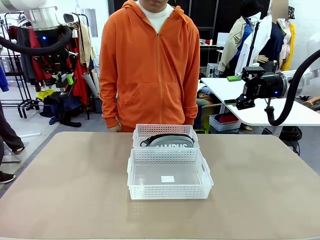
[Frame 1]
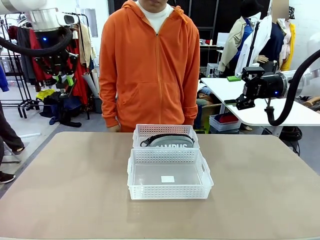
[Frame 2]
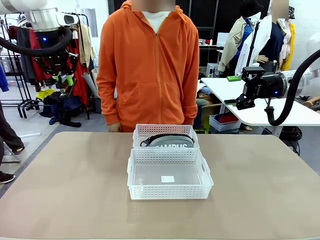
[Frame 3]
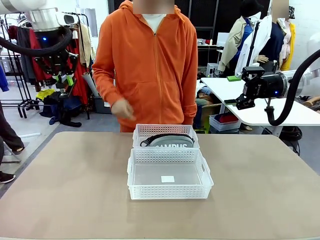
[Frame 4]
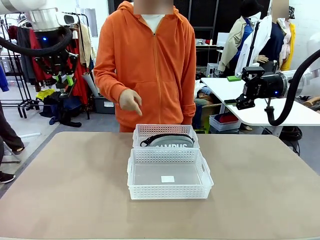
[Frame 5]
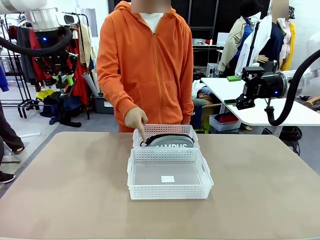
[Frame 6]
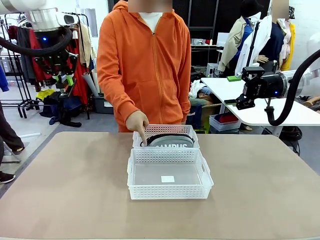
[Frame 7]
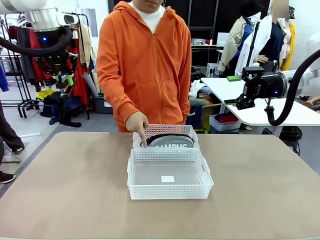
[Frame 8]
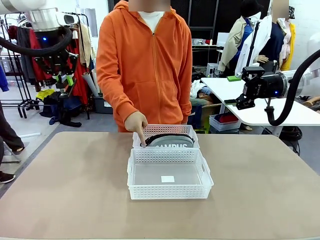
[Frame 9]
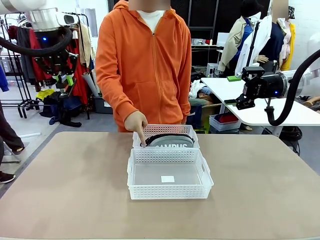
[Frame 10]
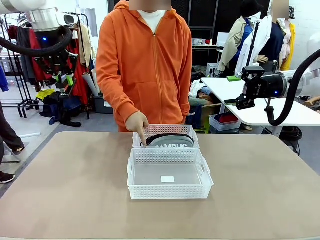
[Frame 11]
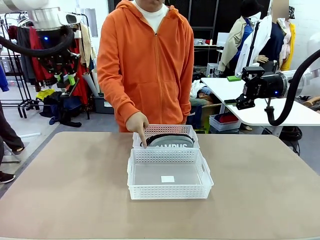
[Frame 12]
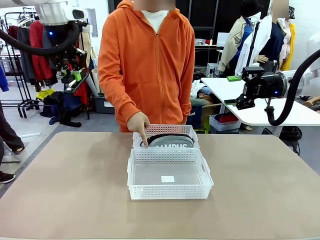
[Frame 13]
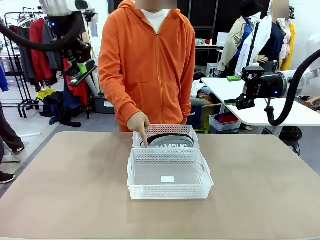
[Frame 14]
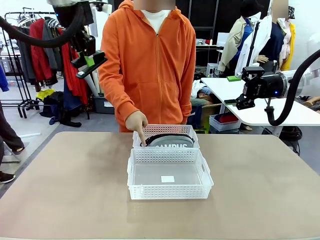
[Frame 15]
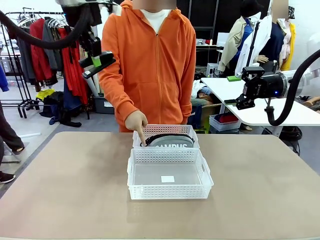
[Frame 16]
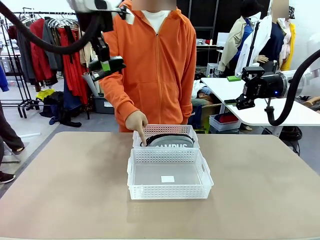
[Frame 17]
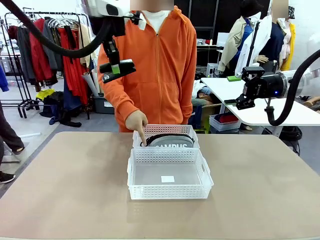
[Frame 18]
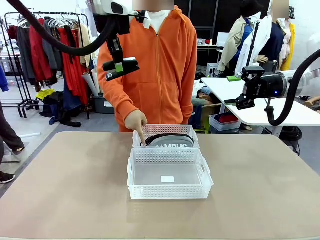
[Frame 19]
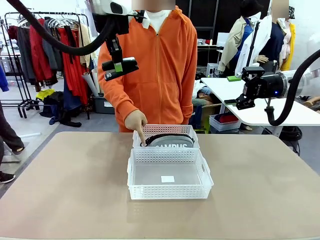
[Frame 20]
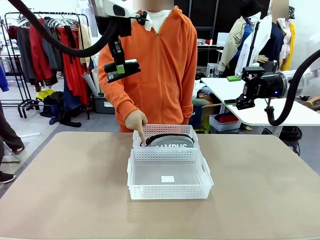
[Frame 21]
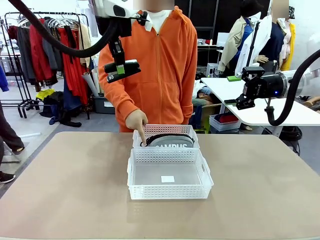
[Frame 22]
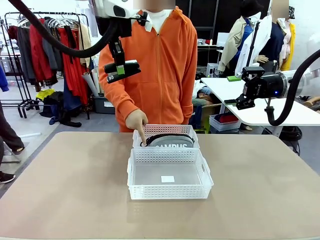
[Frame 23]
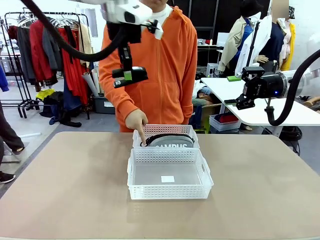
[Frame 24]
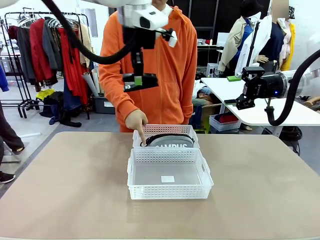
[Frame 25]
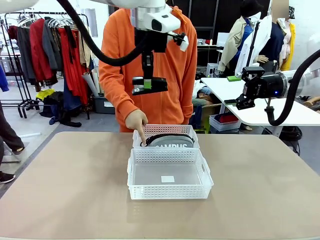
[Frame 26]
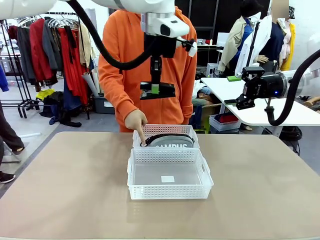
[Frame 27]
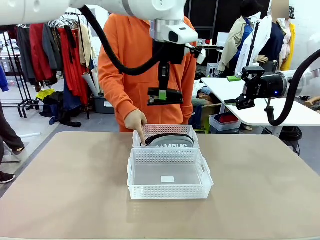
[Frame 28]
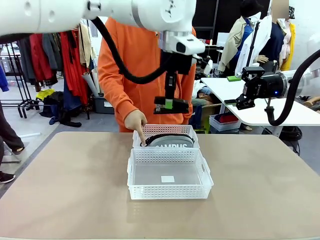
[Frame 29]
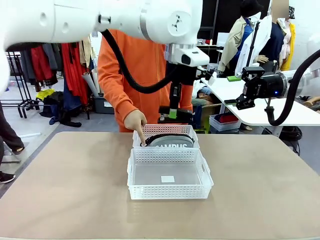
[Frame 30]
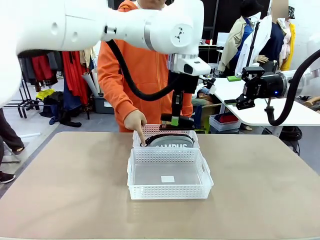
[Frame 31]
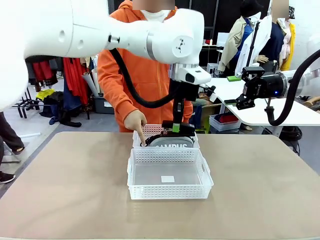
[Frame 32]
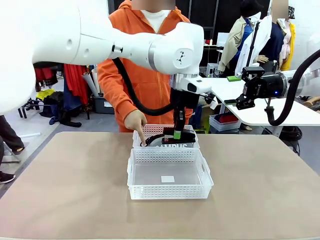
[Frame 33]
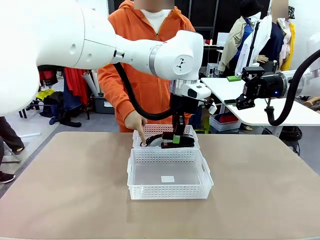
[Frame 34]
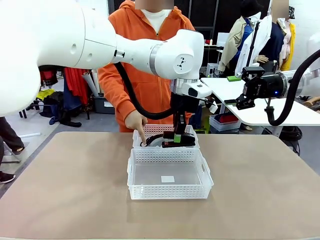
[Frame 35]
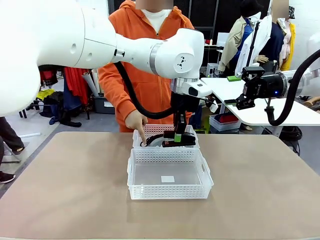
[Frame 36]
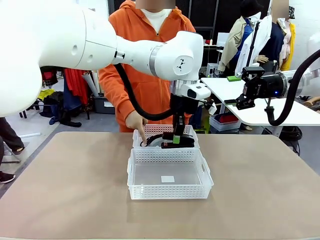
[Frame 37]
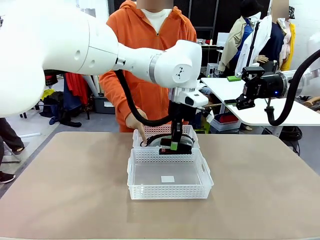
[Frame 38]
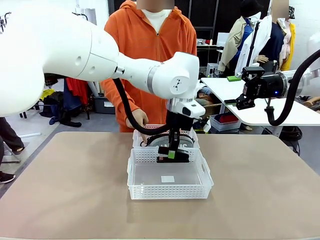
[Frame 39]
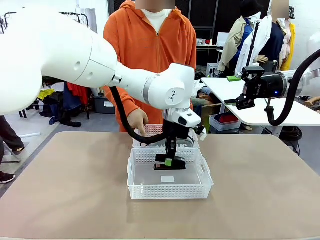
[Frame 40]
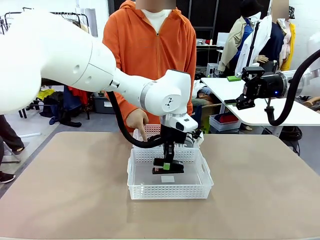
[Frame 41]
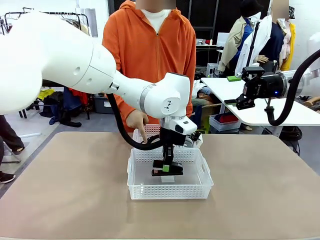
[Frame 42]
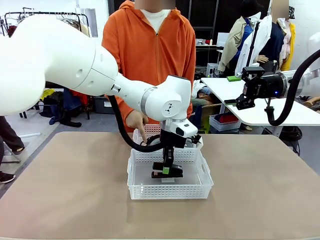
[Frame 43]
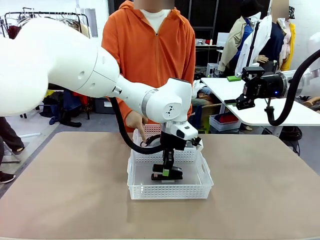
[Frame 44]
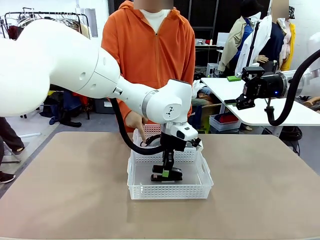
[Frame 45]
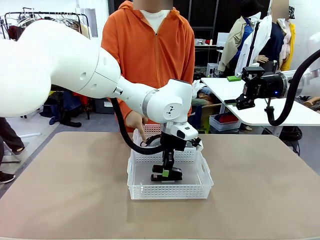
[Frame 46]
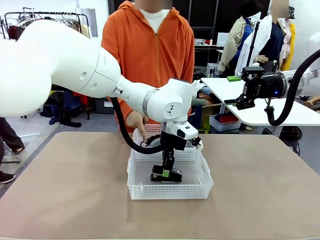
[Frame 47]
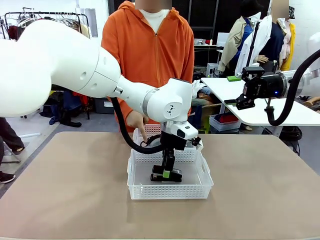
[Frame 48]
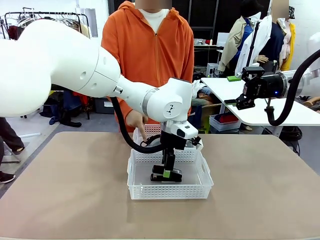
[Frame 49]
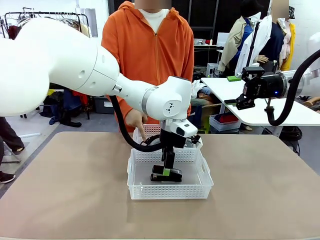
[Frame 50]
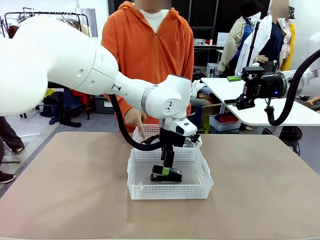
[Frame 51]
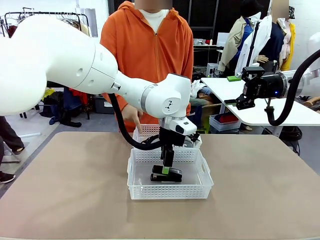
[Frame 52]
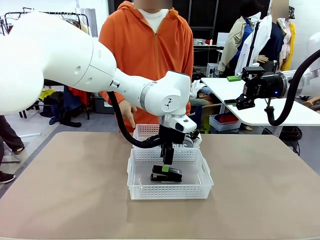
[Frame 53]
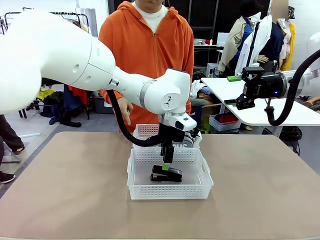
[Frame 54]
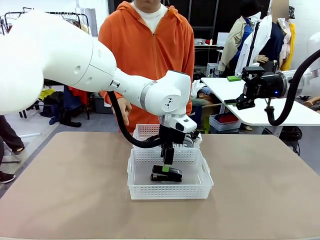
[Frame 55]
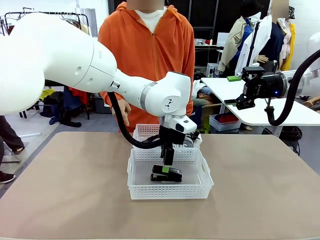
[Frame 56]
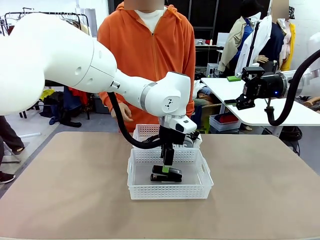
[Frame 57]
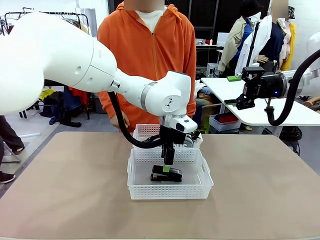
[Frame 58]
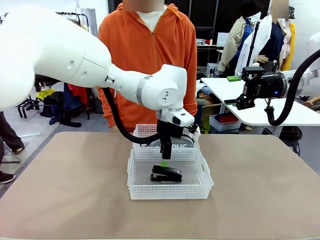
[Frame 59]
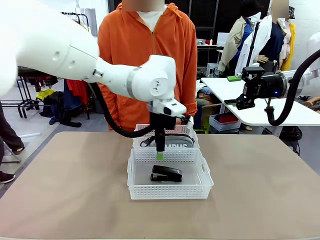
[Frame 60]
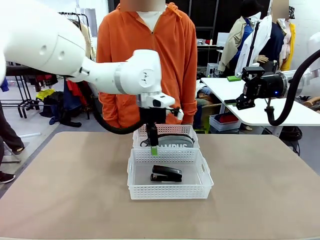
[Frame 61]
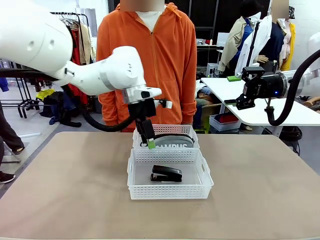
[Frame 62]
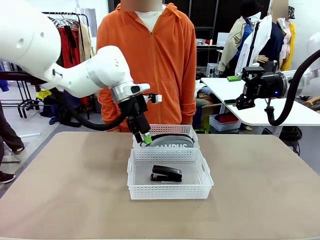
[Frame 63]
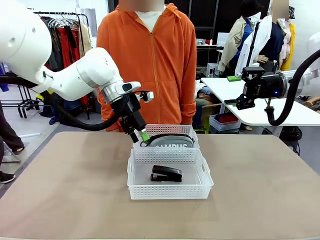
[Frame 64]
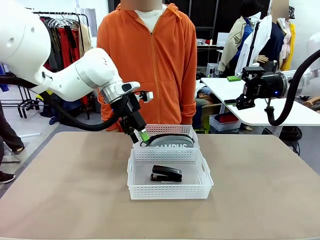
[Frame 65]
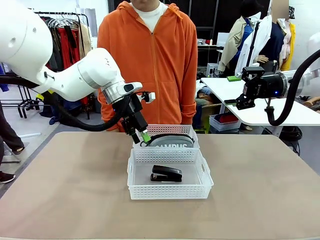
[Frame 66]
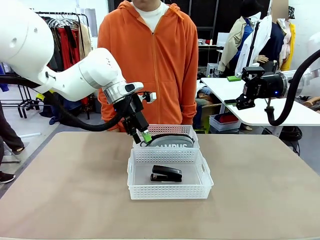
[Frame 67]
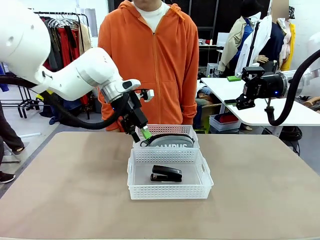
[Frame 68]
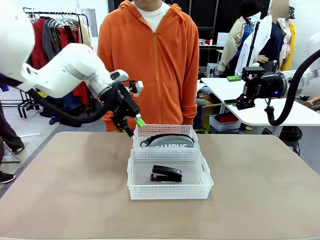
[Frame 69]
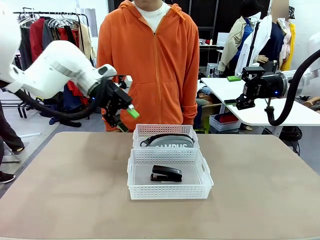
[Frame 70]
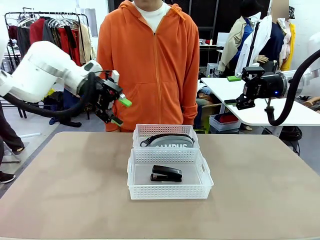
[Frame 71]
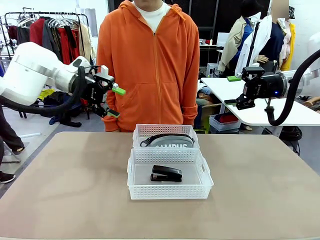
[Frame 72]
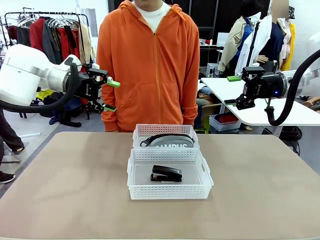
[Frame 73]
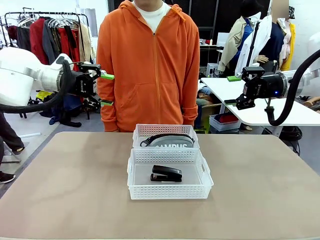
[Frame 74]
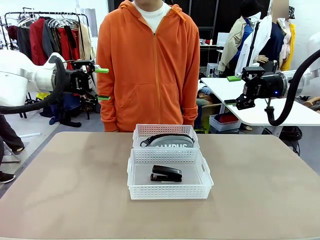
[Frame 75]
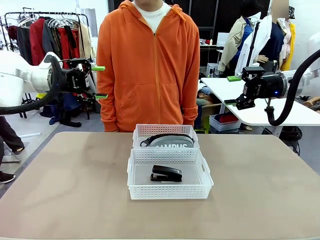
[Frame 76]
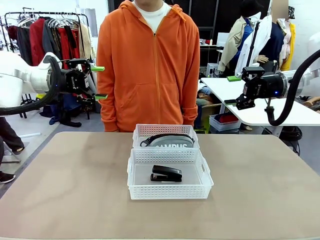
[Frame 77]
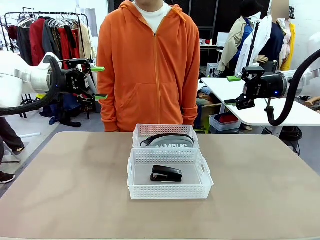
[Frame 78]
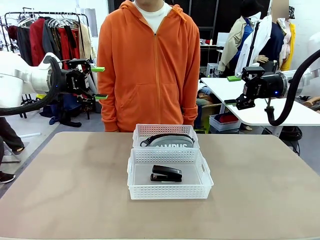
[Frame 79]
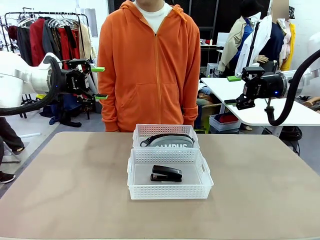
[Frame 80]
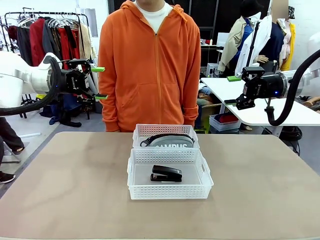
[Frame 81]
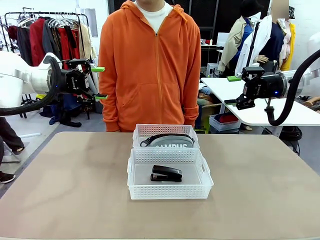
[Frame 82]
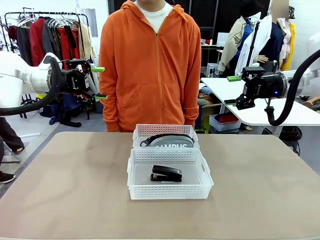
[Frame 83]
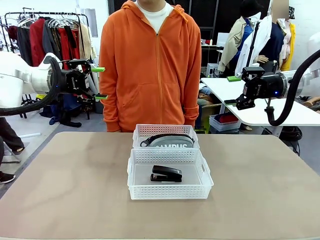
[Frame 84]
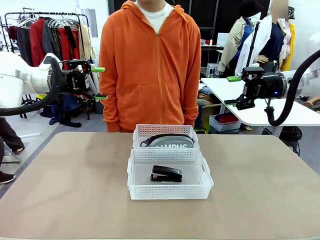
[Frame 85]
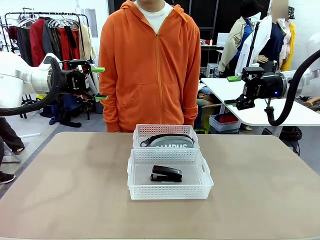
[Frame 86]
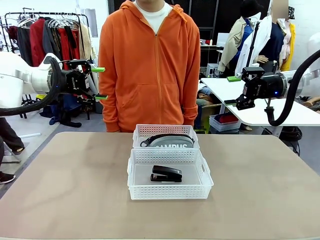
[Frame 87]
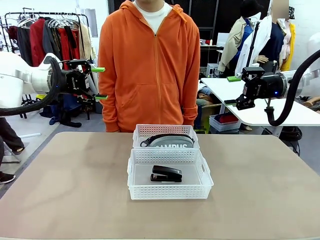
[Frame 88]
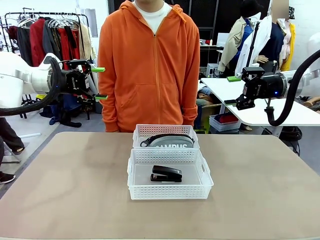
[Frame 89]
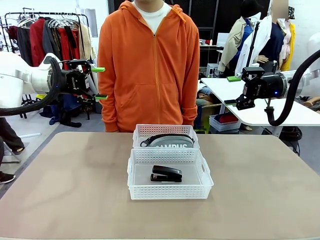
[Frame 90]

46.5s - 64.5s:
Task: Distribute items into two baskets.
Robot: Place the picked Stapler into the Organizing basket as instructed by the person.
Person: Points to the basket that does not contain the pencil case and instructs the robot to move the stapler there.
